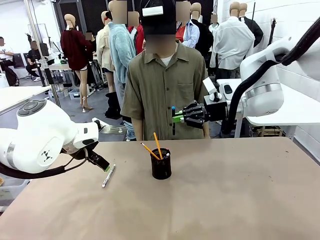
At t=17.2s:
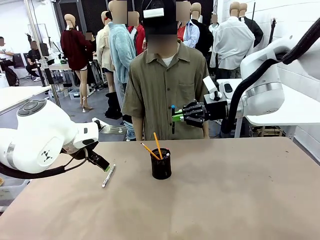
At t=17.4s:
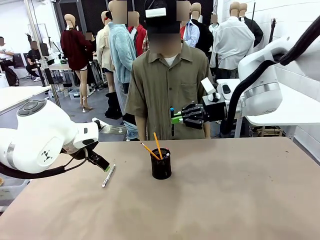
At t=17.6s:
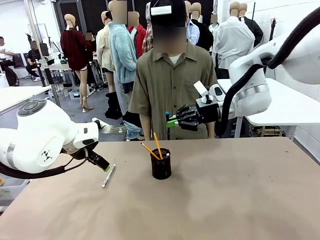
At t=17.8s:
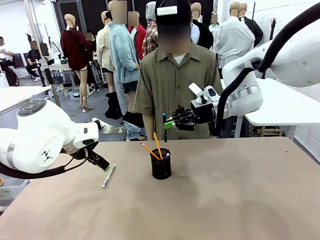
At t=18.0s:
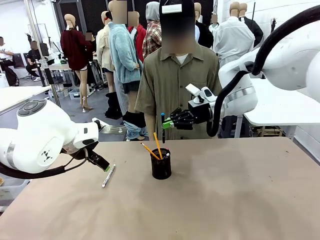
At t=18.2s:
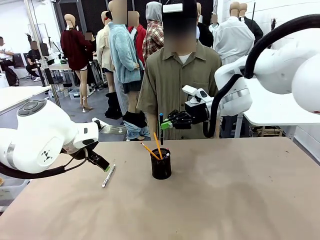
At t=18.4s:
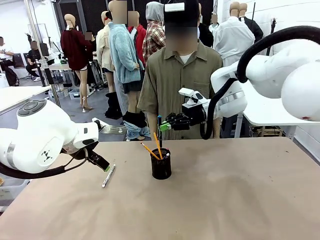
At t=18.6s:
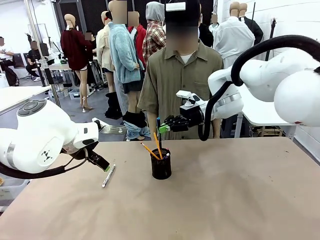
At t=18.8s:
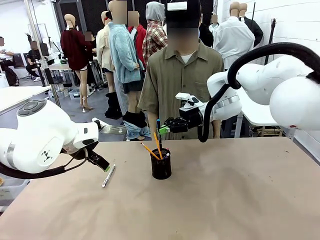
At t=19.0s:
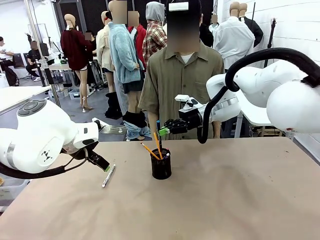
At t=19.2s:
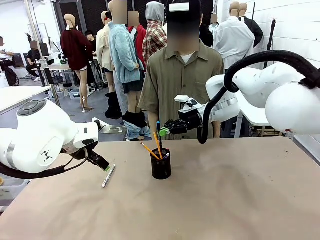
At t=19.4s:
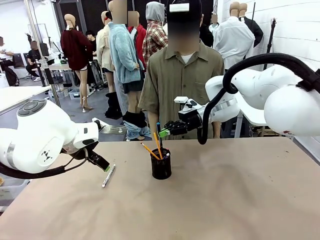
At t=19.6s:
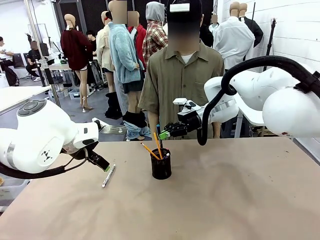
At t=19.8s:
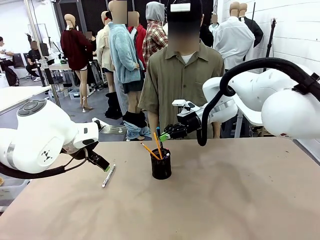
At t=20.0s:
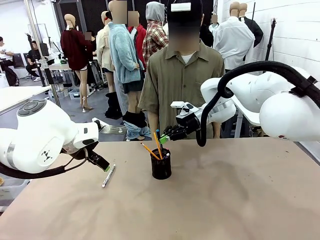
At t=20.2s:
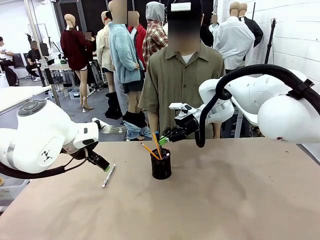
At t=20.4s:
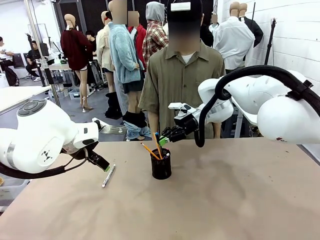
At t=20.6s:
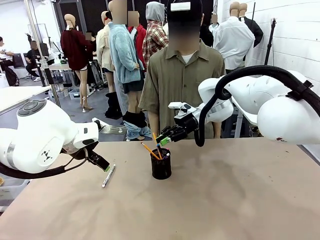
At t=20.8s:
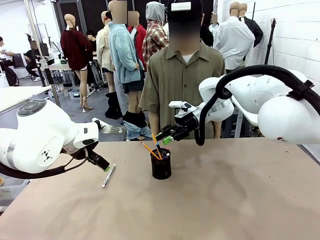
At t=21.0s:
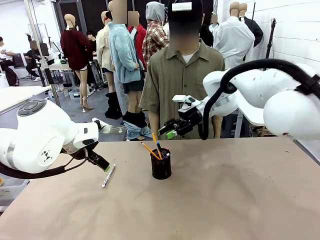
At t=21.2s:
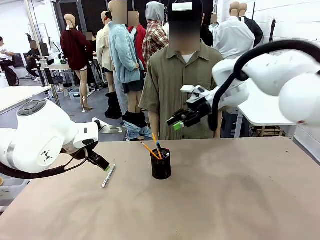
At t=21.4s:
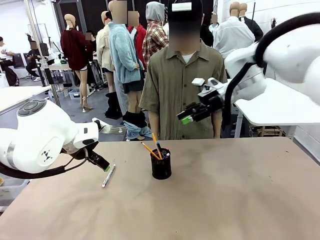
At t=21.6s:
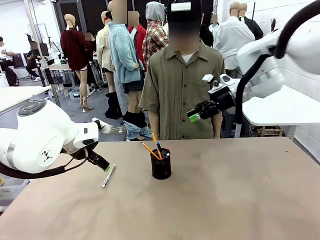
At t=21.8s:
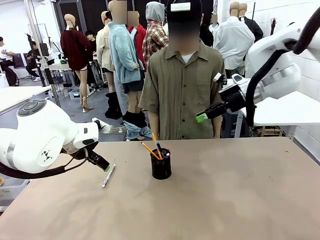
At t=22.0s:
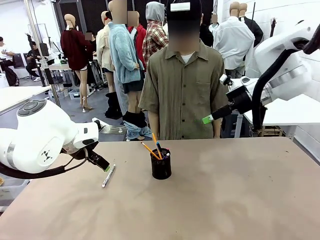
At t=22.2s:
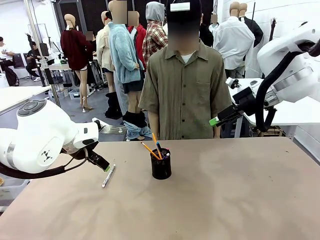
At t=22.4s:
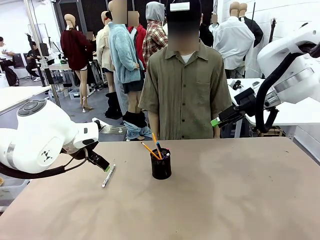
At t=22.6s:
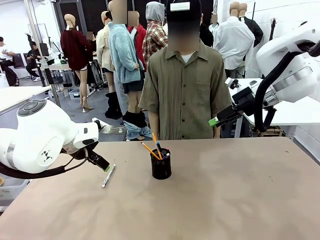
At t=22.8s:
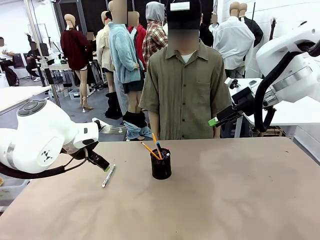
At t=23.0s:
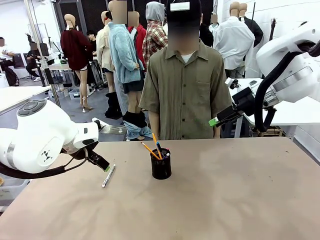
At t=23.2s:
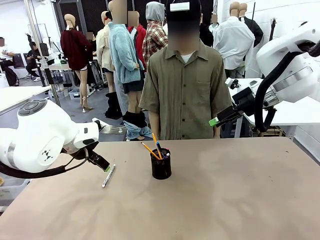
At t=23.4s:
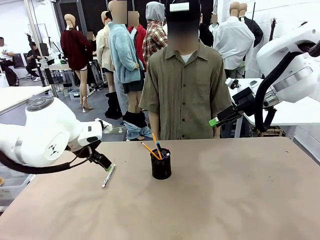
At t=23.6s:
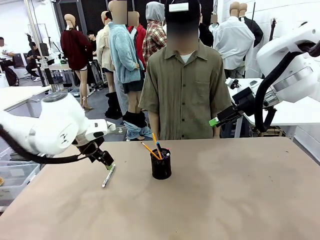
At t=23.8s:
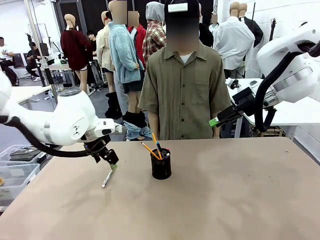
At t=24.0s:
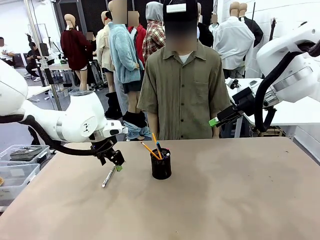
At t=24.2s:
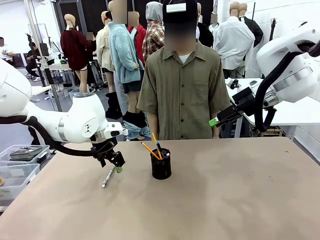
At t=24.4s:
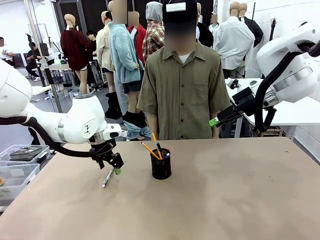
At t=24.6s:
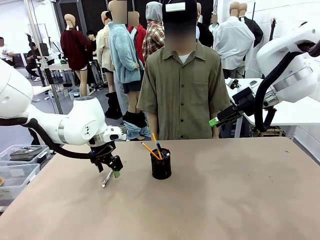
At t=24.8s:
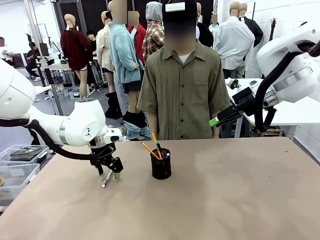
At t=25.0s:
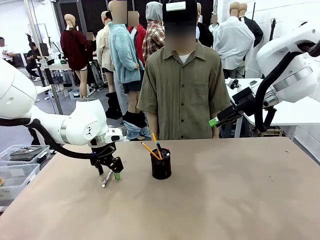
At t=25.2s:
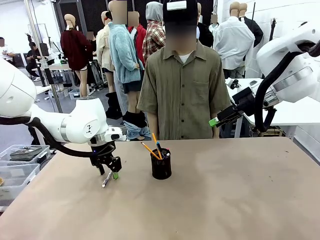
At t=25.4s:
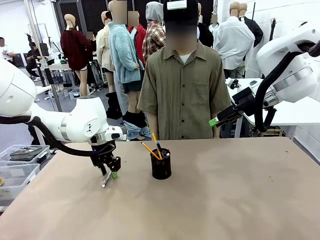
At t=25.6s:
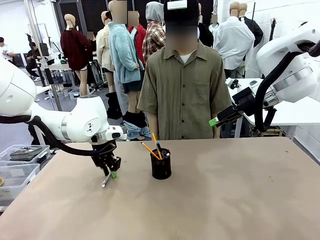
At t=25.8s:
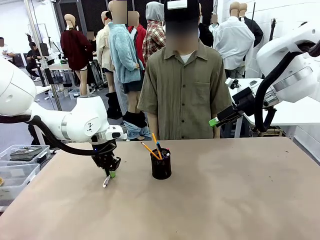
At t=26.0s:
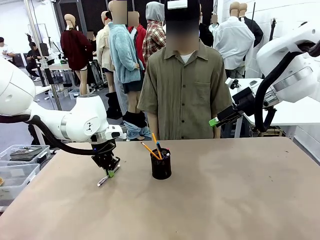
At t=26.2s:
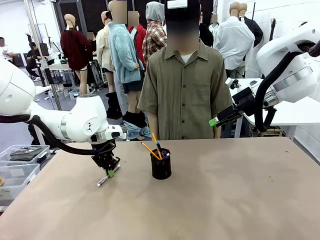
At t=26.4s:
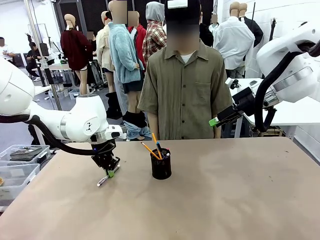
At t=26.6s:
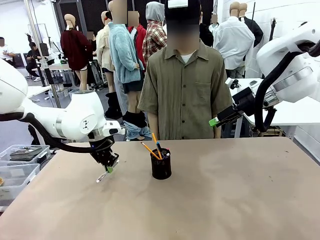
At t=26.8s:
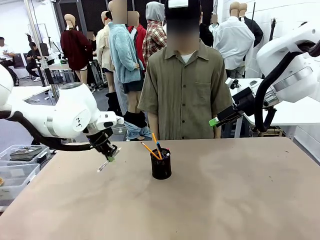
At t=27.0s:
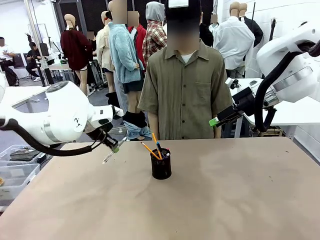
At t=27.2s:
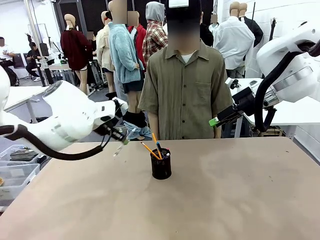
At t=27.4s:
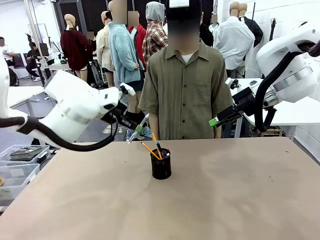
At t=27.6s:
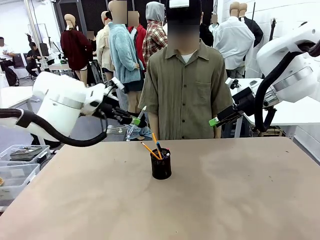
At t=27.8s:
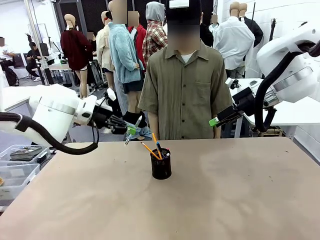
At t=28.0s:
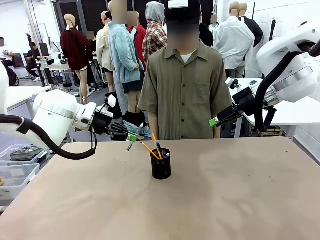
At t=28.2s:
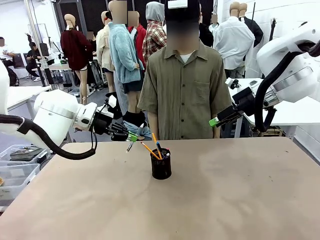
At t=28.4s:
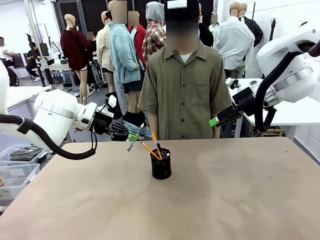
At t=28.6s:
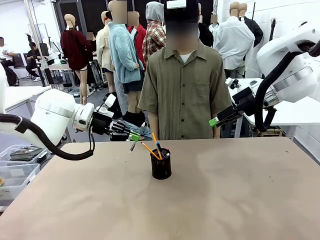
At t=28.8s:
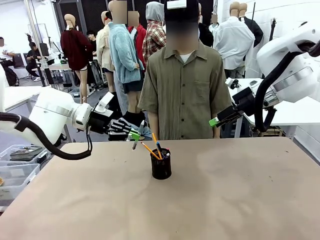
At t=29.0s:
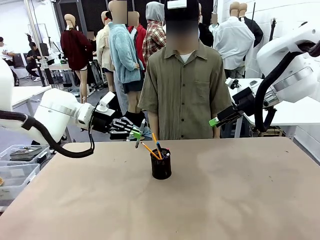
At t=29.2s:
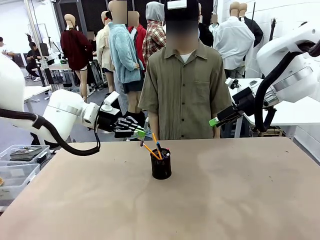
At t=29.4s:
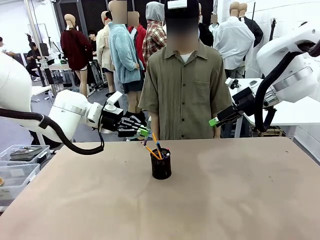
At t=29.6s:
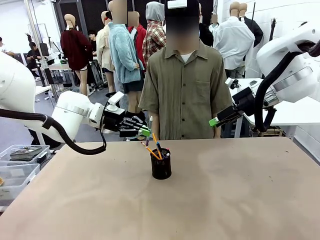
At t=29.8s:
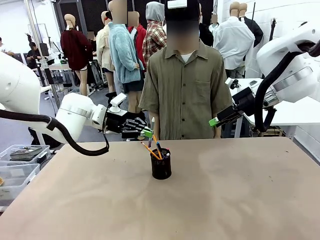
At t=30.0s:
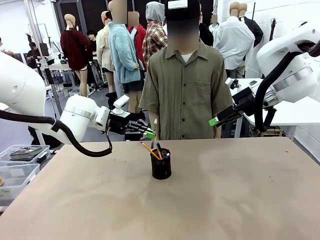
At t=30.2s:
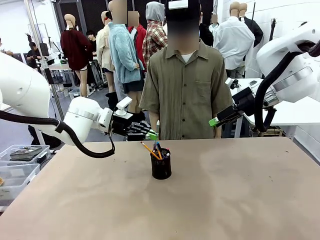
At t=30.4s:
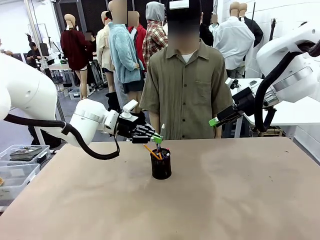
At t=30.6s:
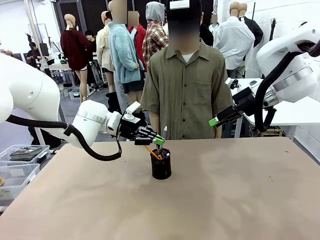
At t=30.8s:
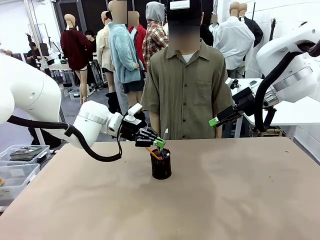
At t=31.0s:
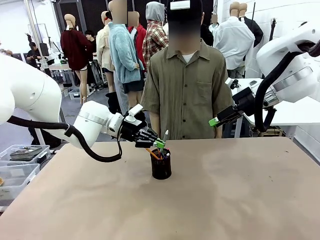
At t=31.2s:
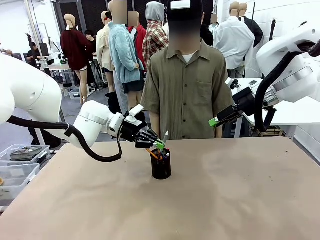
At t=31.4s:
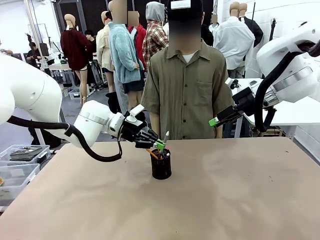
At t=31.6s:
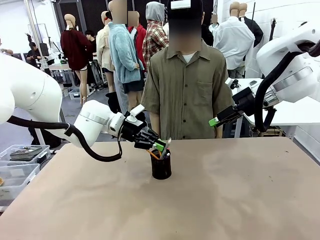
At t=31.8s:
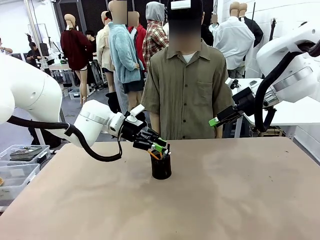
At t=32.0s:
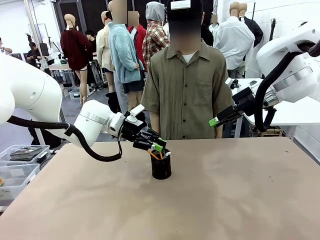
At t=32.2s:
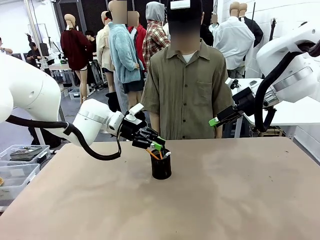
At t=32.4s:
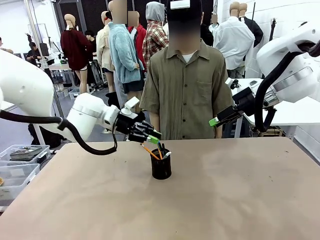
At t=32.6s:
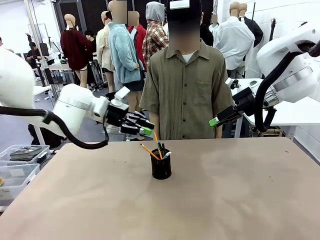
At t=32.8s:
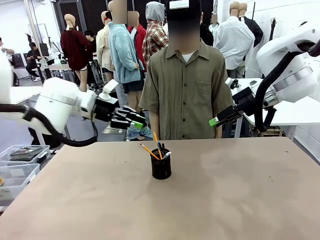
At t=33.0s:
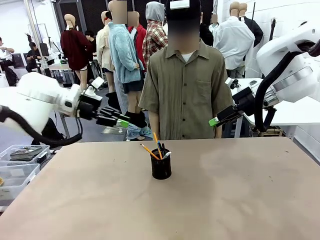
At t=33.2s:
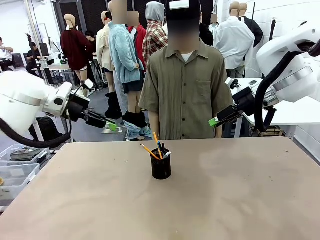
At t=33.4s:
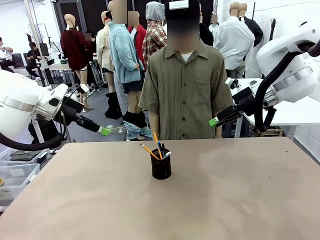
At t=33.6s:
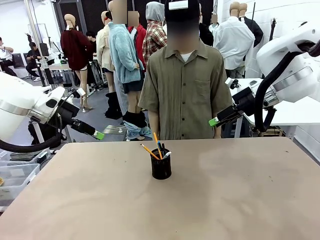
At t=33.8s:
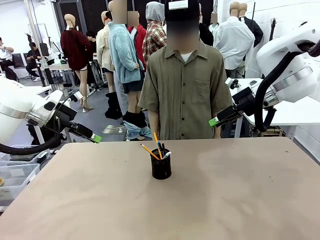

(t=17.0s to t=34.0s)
Task: Place the pens into the pen holder.
Robot: Pick up a writing instrument from the table and place it into the Pen holder.
Person: Place all writing instrument into the Pen holder.
